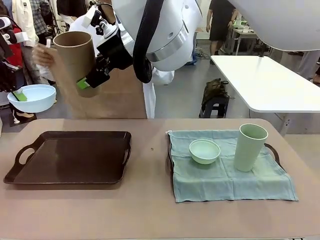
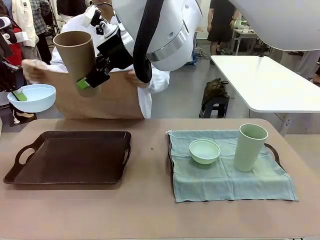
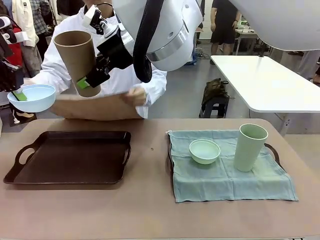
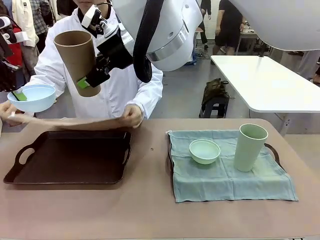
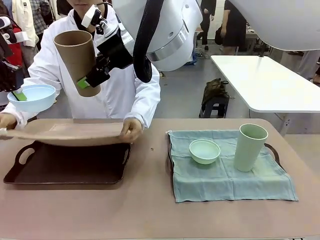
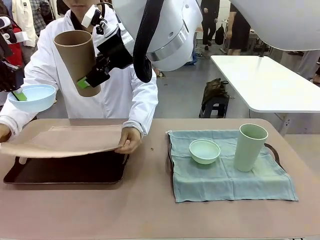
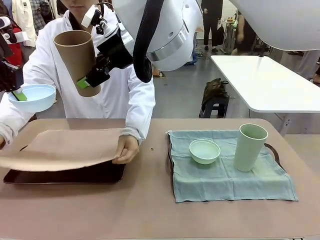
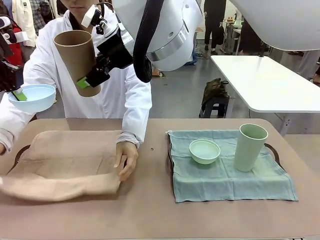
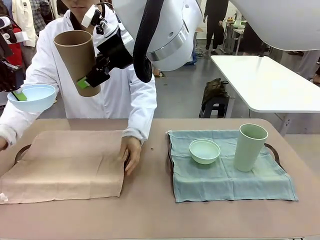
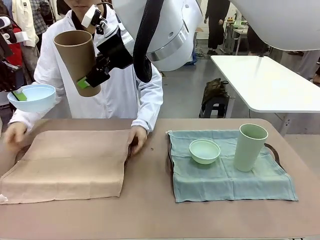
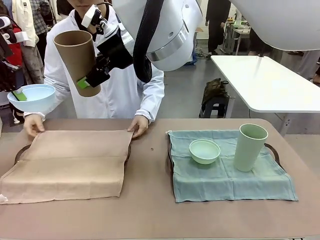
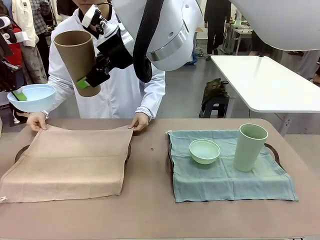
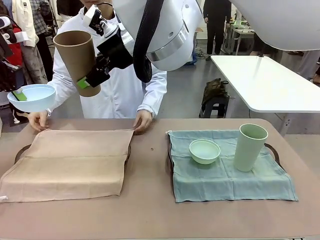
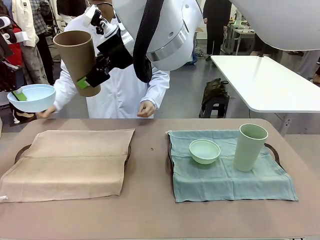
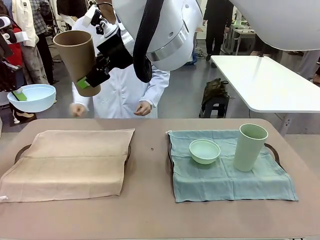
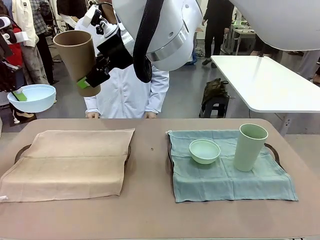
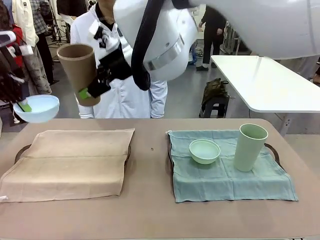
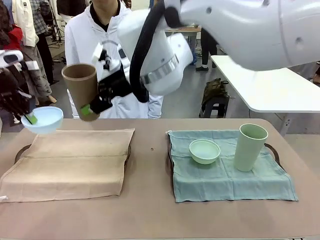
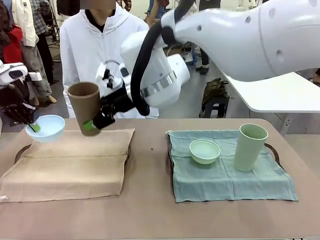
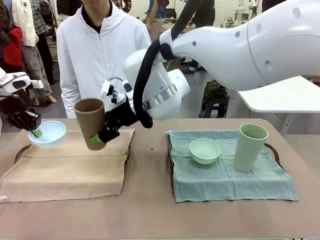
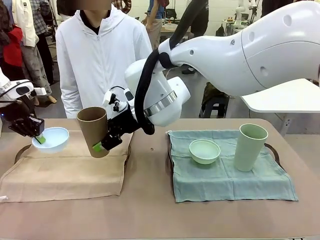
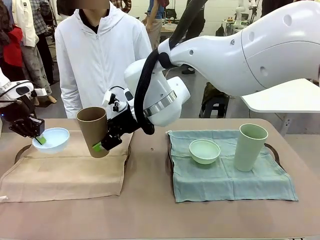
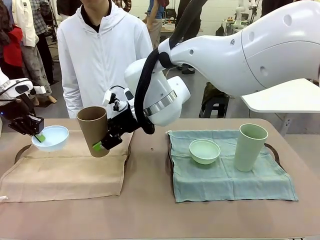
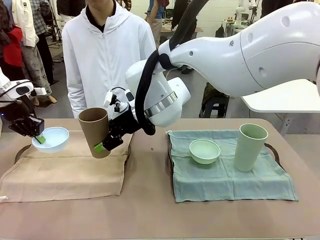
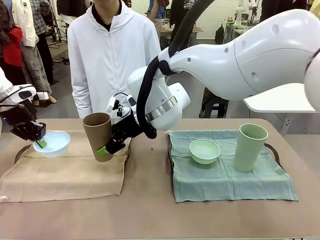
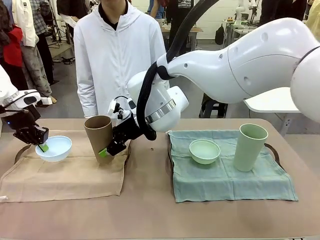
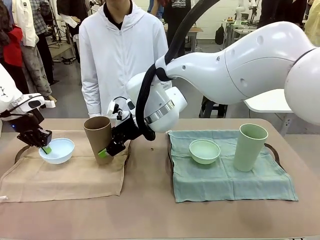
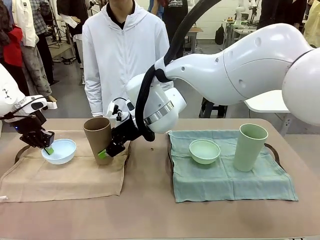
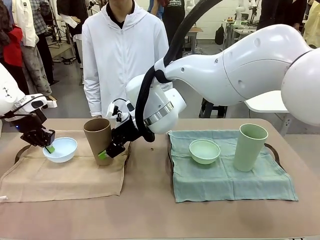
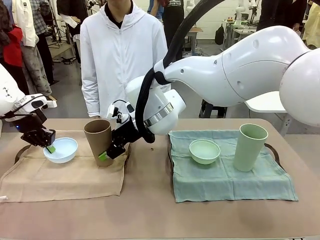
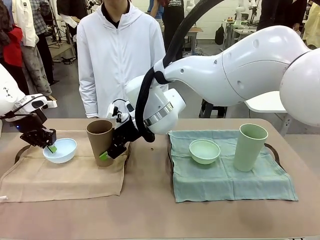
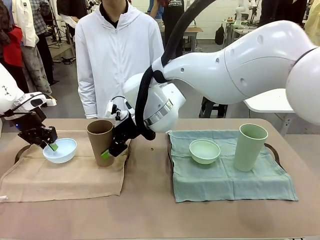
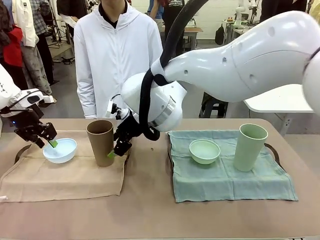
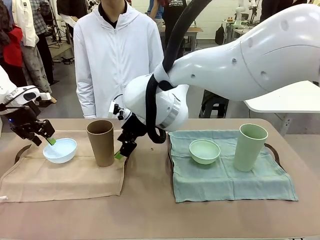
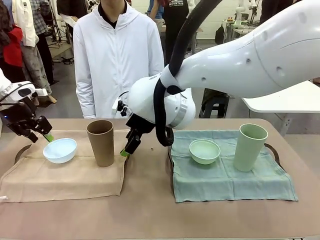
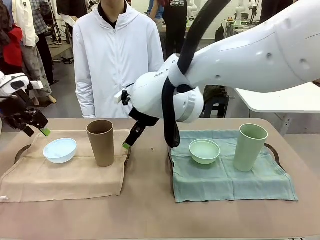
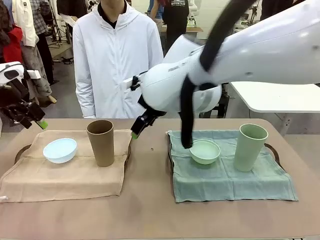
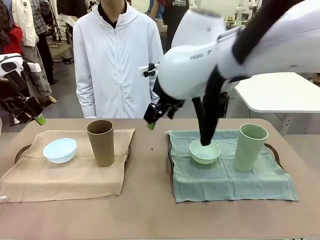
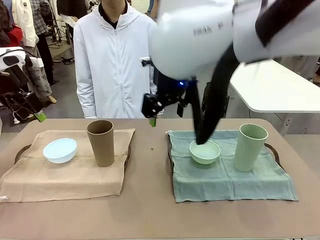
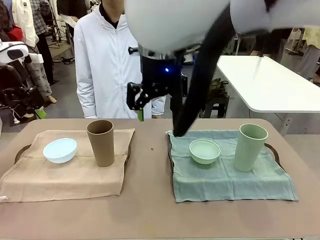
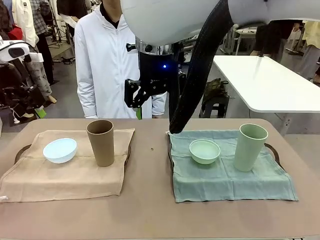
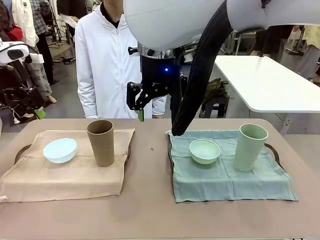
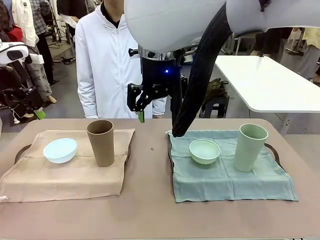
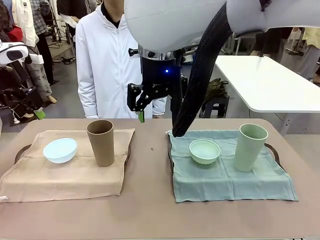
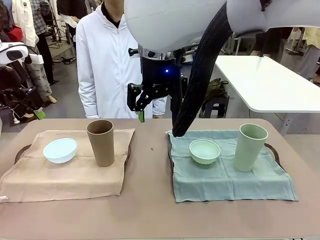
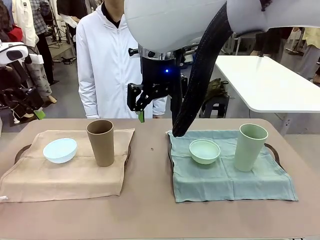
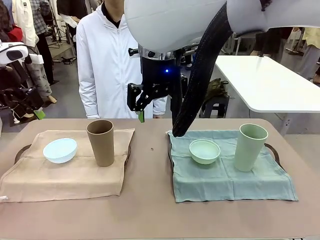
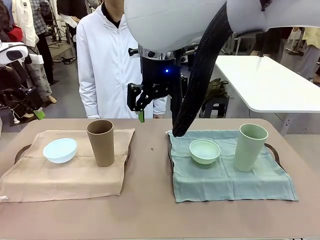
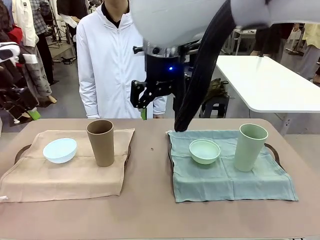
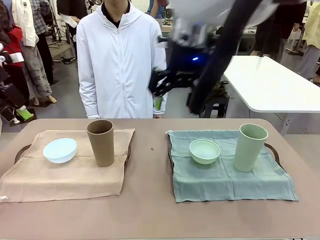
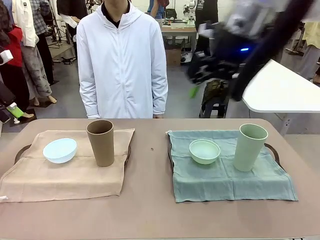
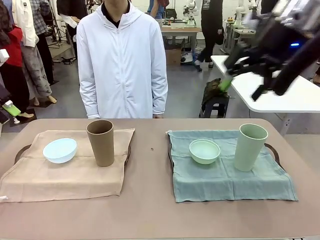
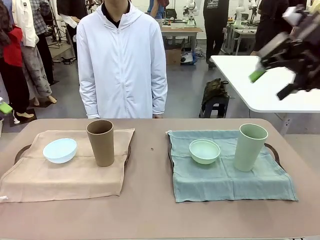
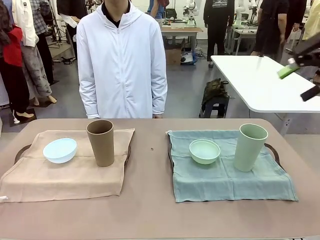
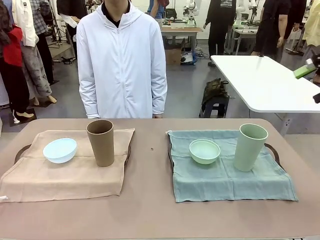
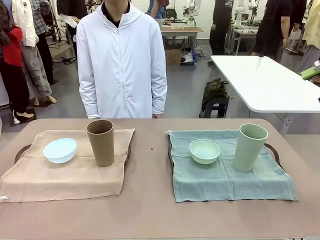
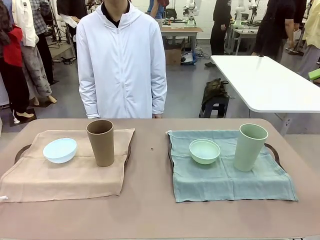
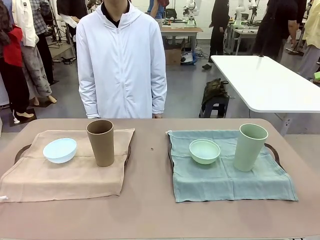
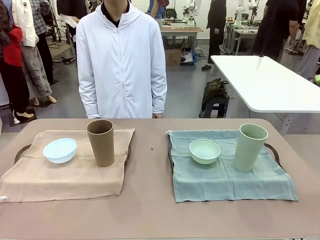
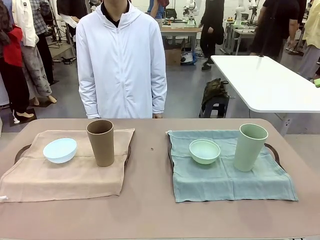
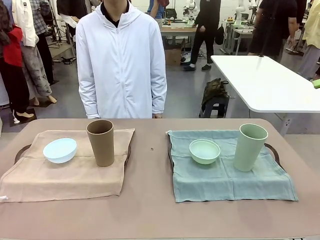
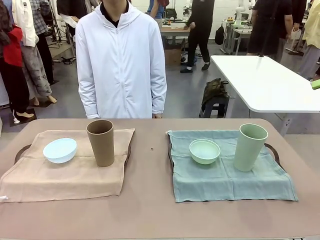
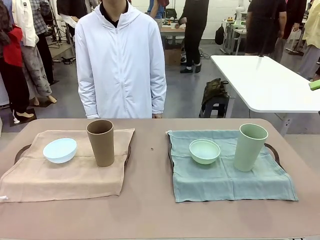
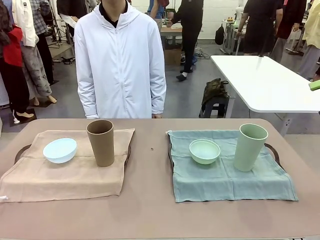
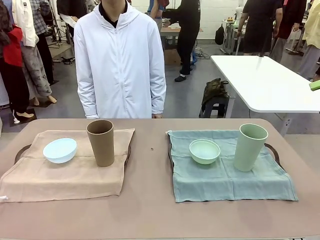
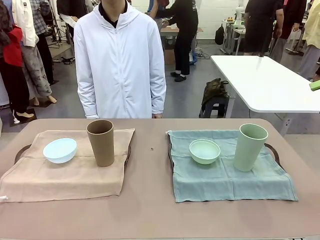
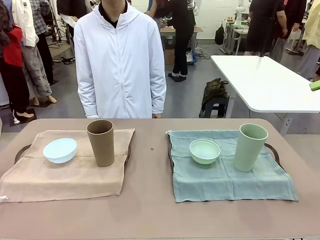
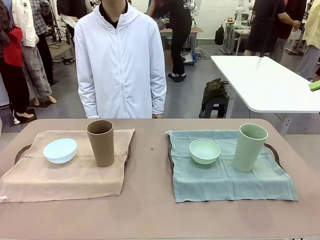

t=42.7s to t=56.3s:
Robot: Place the Picnic Bowl and Reusable plastic cup back onto the Handle tray in front of the human's position.

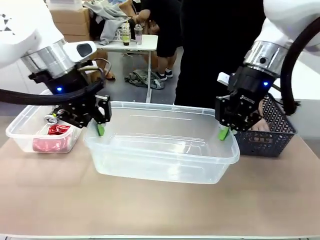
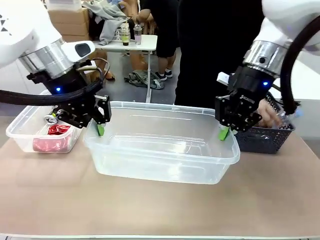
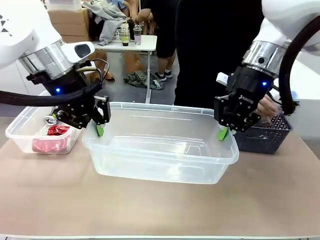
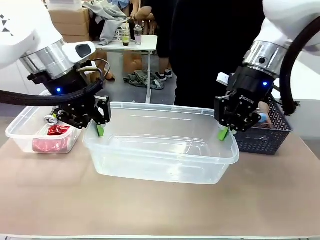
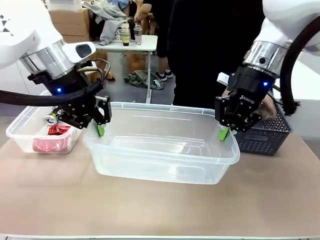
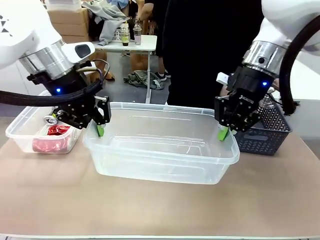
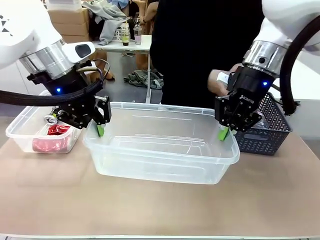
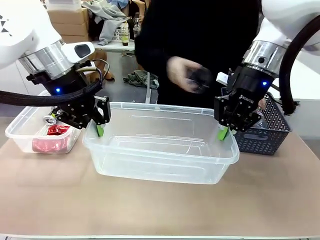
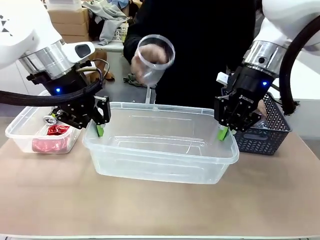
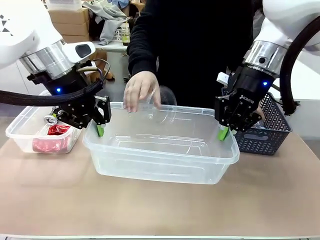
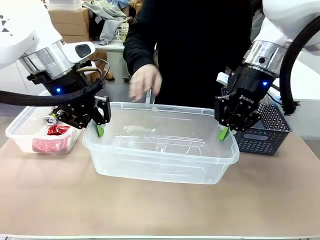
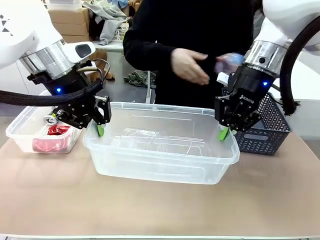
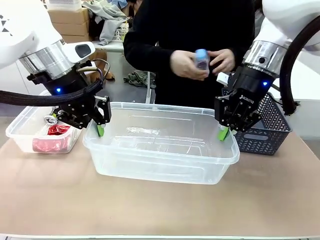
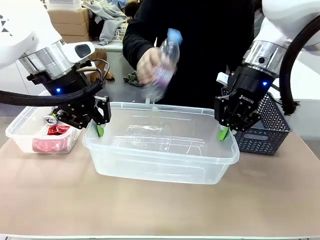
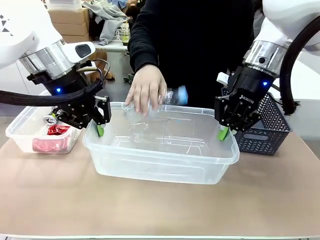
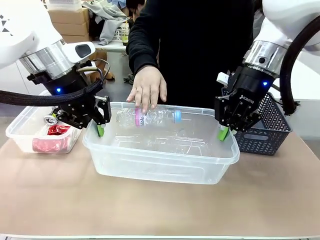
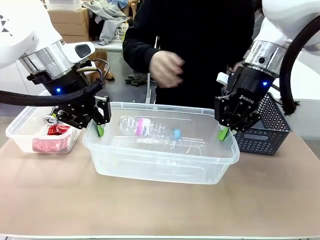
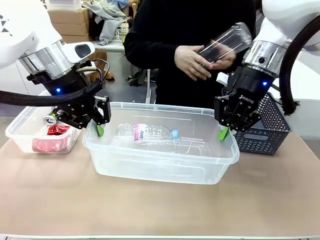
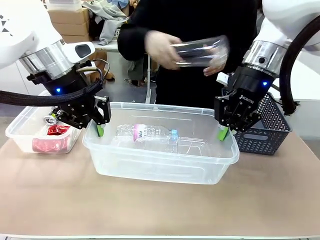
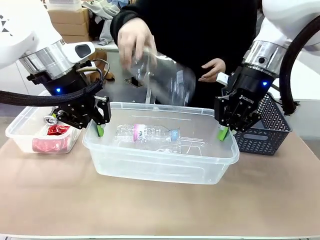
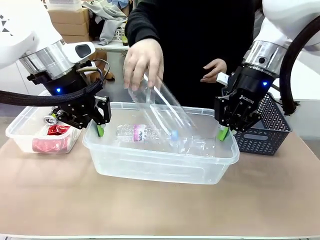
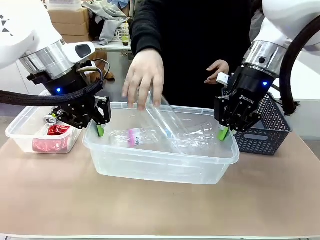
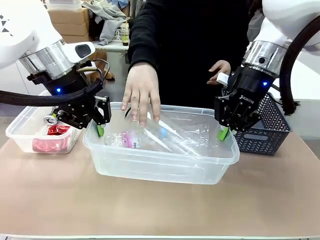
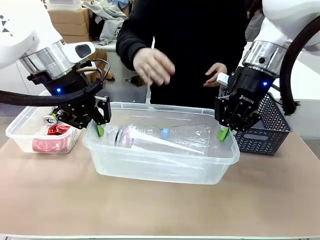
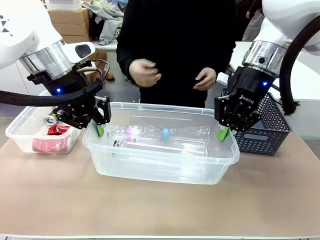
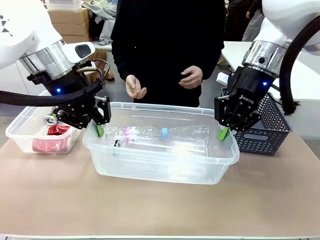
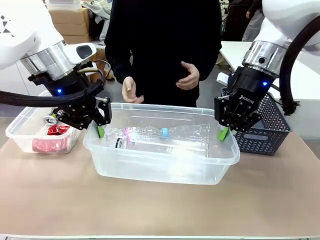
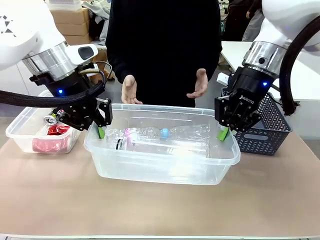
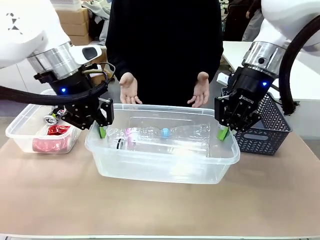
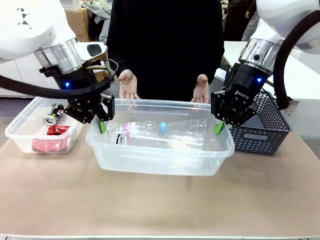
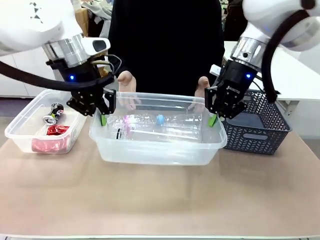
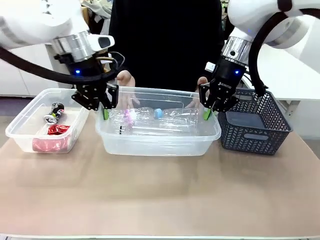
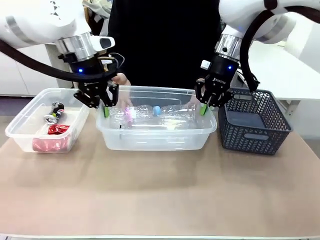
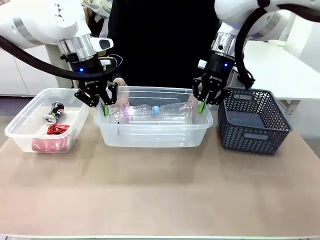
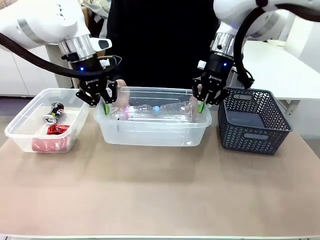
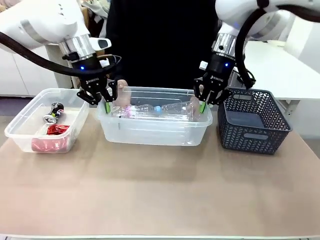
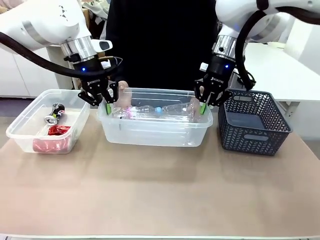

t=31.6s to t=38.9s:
Robot: Offer the picked Organizing box to the human.
Person: Pick up plastic waste one by one and place it into the organizing box lifted by the robot.
